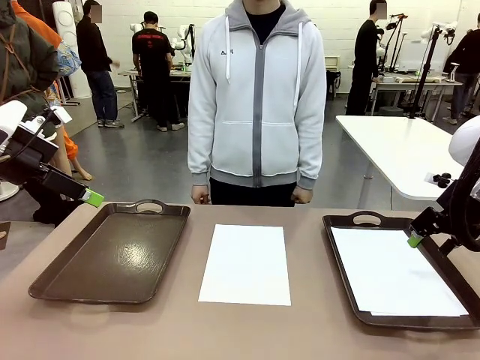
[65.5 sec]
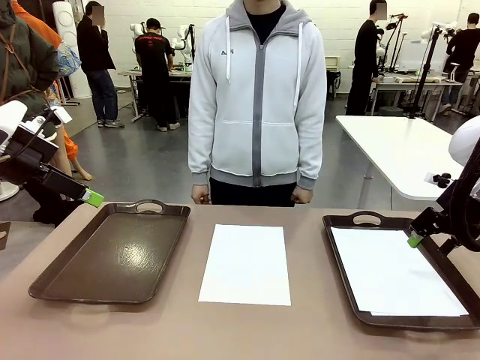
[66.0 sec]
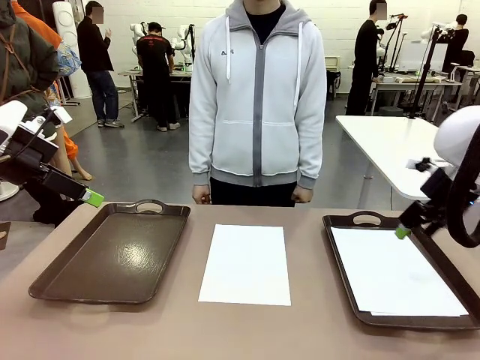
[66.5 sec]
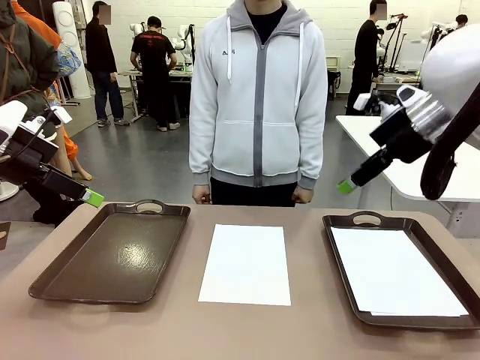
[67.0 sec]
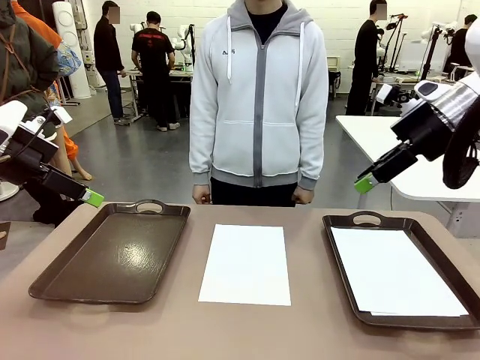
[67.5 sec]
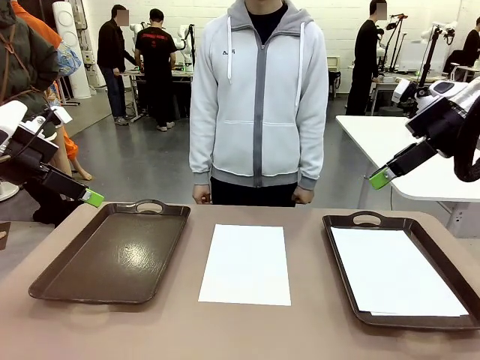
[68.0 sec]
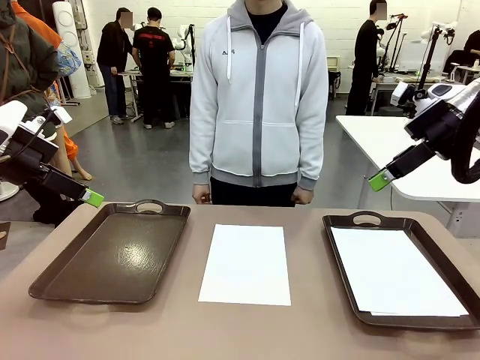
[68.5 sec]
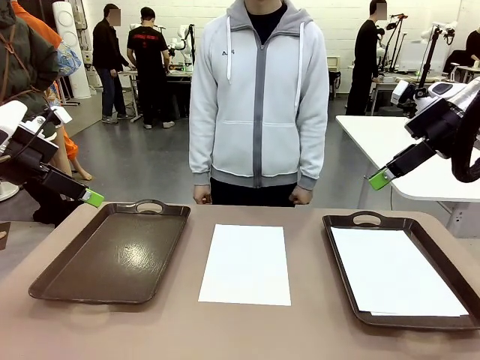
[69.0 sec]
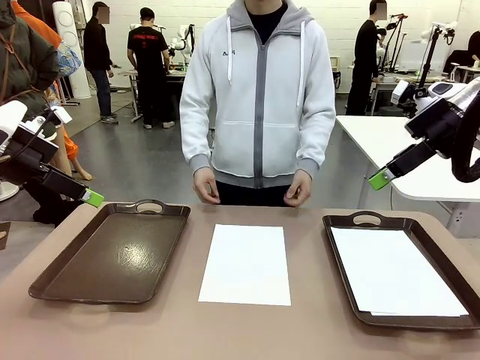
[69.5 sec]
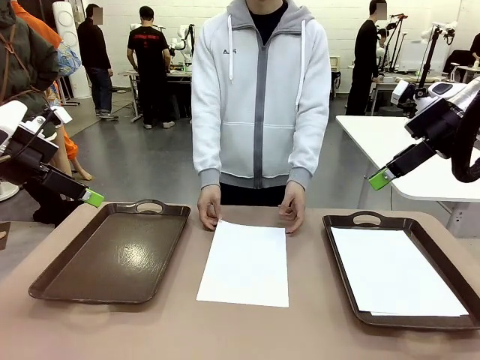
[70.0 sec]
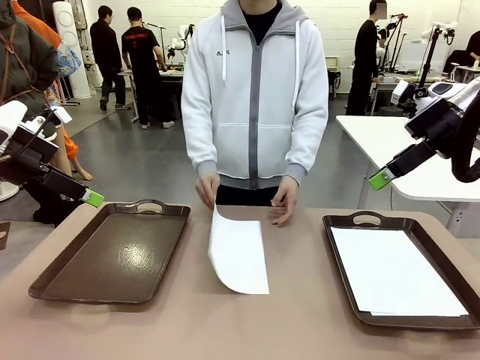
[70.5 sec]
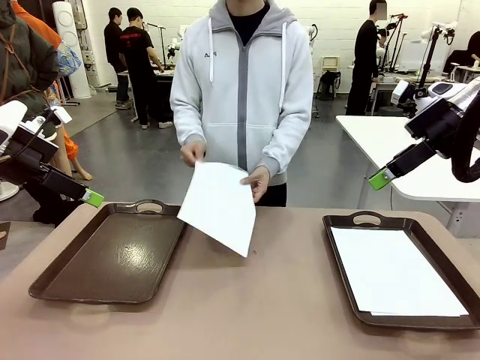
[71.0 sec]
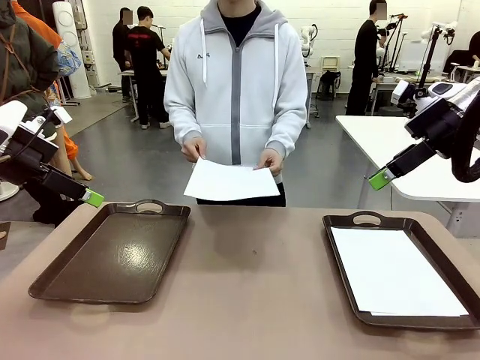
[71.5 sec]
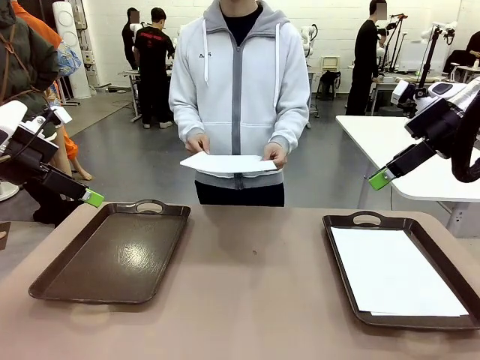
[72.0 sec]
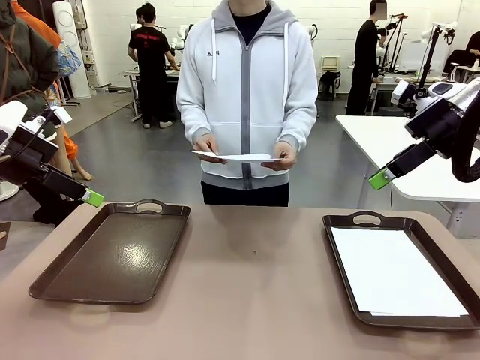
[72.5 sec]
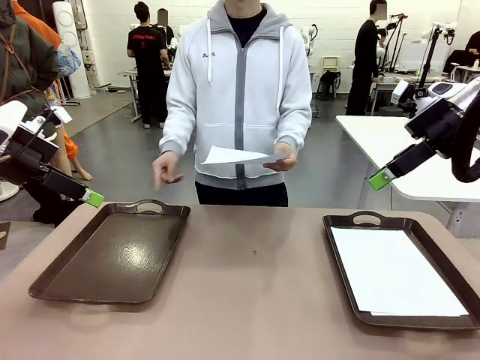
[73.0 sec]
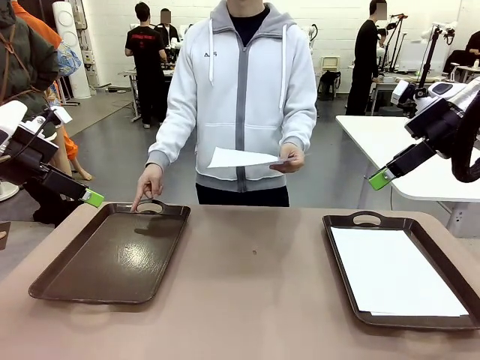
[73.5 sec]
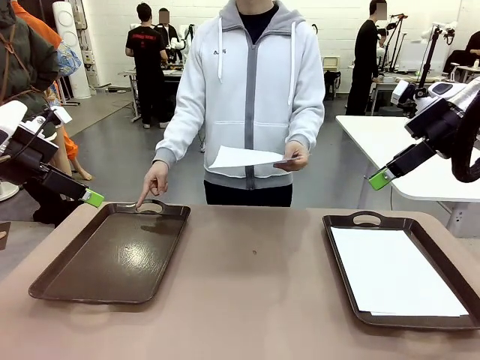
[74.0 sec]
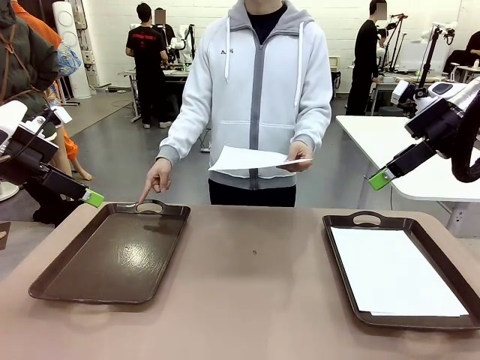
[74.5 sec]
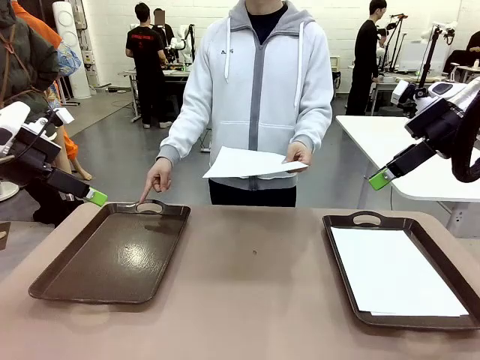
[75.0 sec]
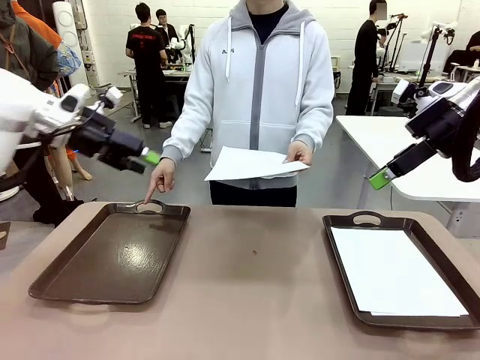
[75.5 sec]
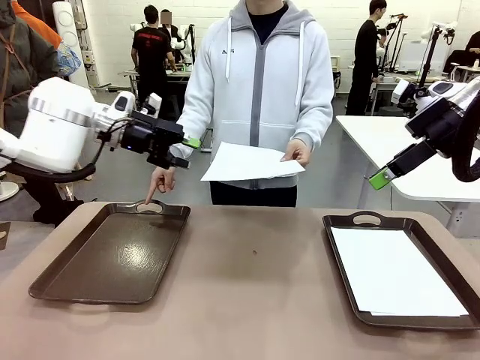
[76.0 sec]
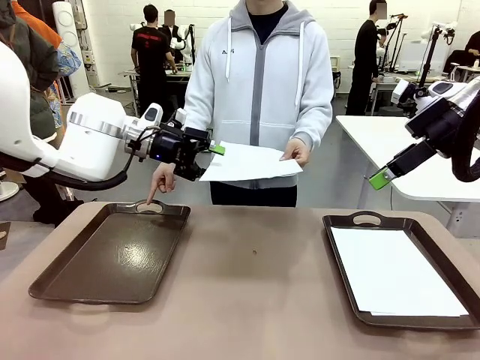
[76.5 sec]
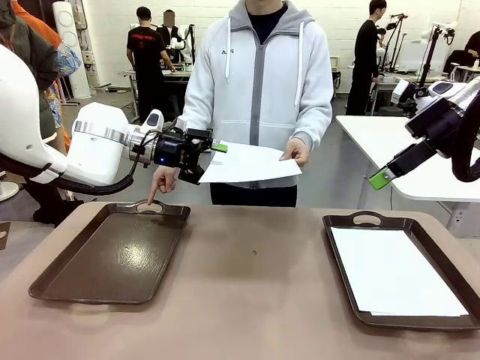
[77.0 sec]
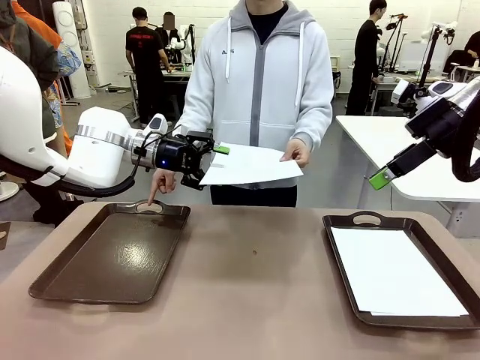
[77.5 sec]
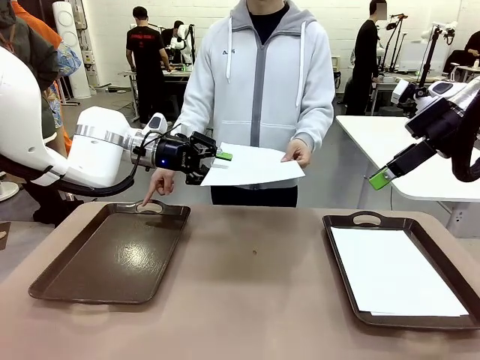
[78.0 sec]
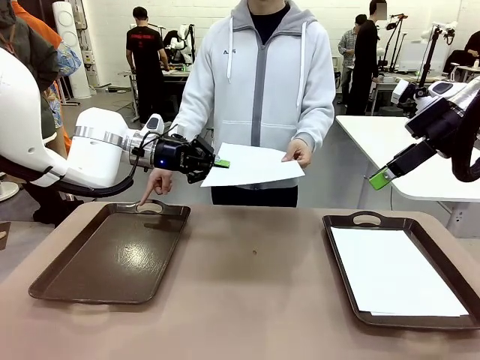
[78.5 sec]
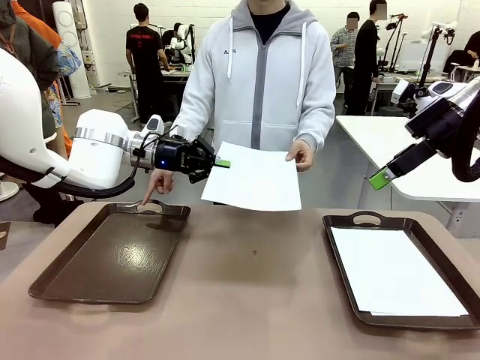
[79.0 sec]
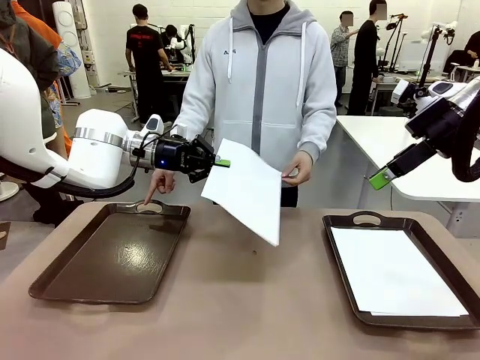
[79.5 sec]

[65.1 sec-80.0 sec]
Task: Sort the A4 documents.
Robot: Receive the A4 Paper.
Person: Point the randomly selected tray with the other hand.

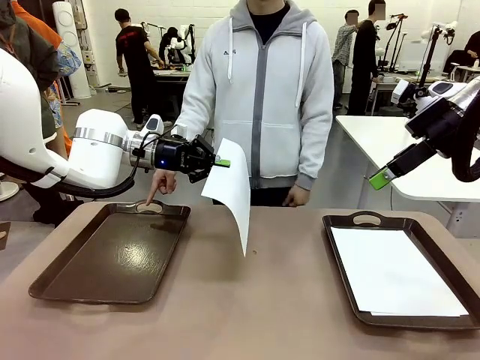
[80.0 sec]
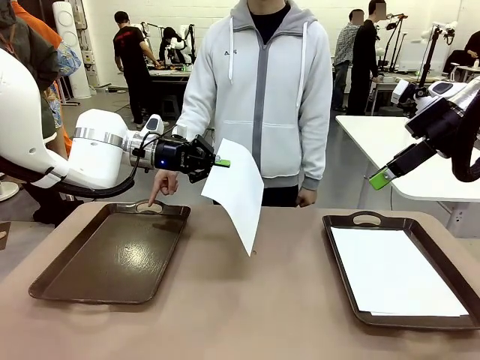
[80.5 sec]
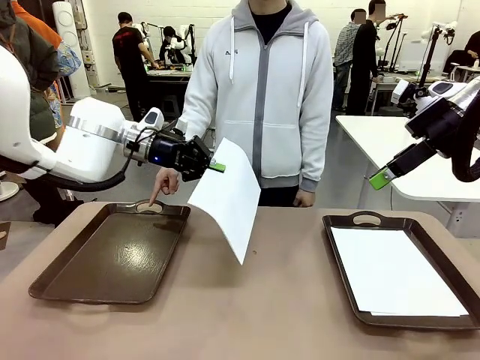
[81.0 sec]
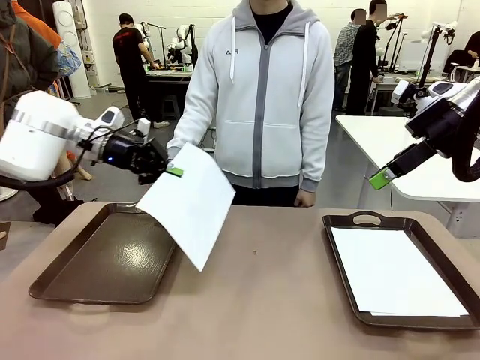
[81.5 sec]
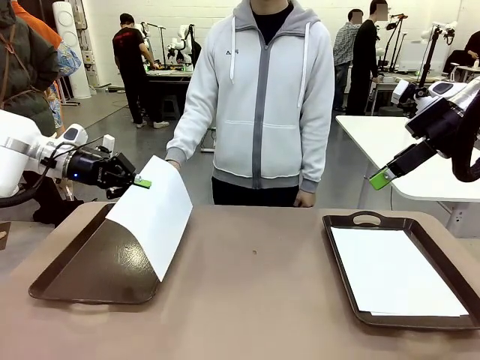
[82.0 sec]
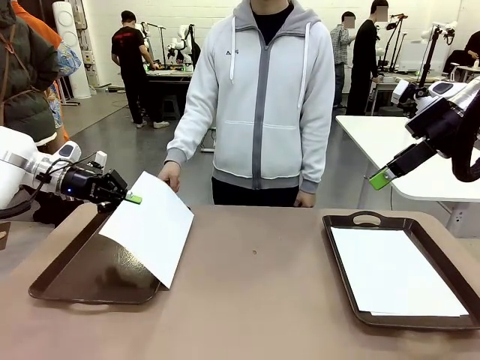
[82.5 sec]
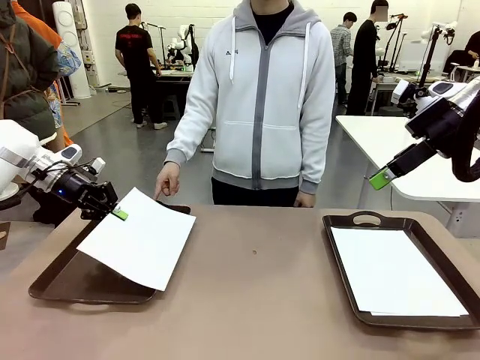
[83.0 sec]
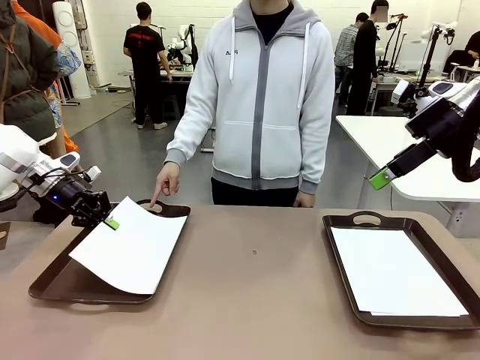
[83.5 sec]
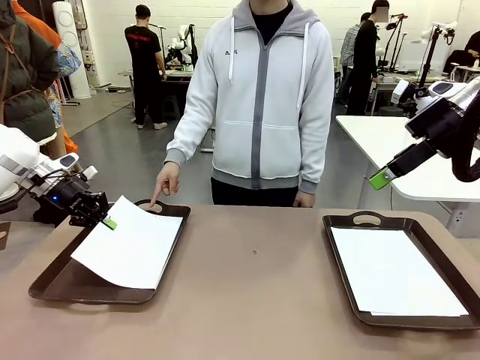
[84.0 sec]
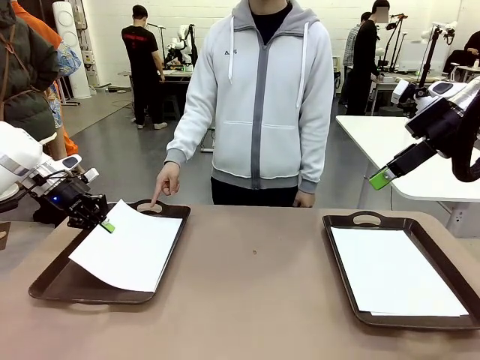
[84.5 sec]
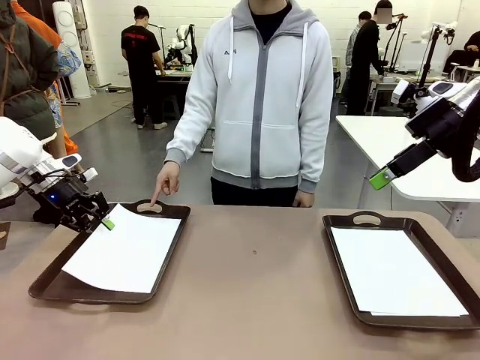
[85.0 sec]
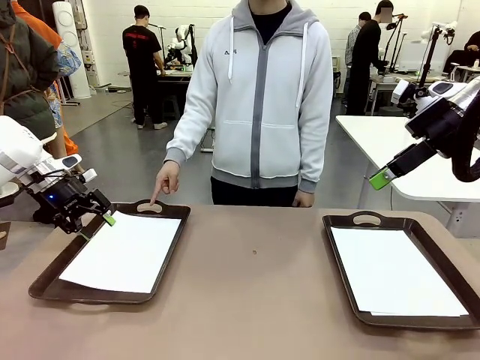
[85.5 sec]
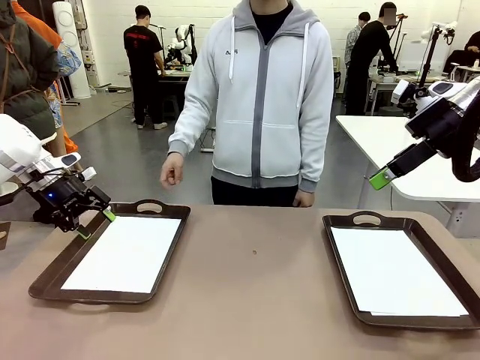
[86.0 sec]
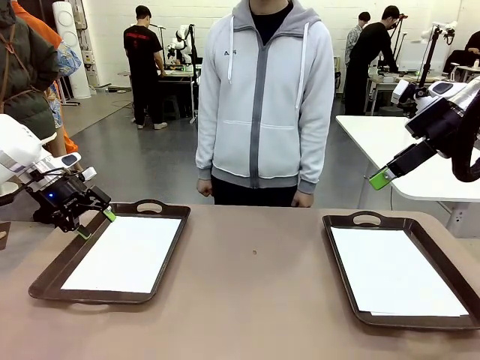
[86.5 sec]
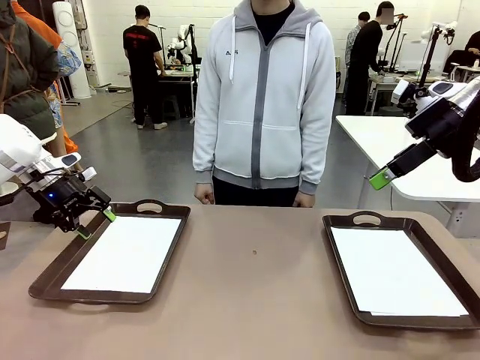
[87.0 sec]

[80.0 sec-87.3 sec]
Robot: Place the A4 Paper in the designated Handle tray.

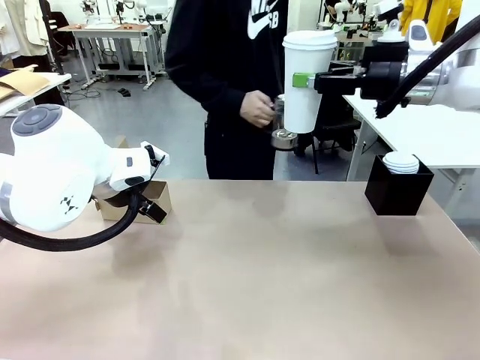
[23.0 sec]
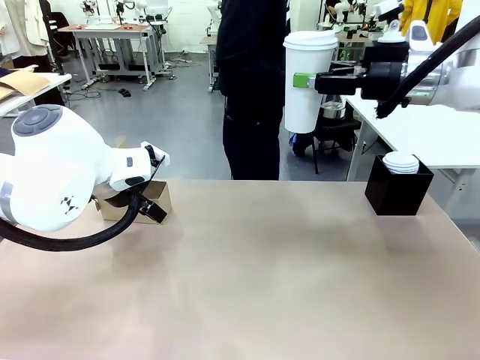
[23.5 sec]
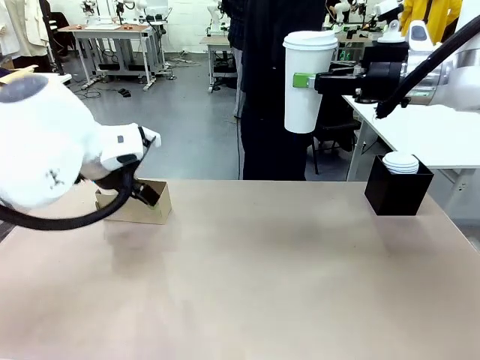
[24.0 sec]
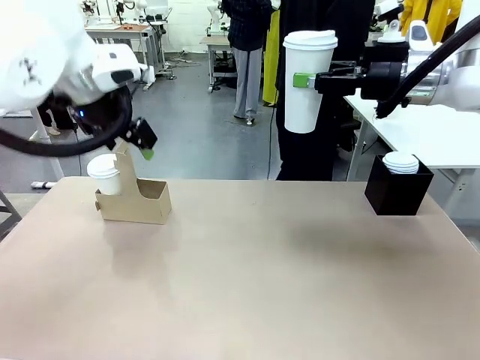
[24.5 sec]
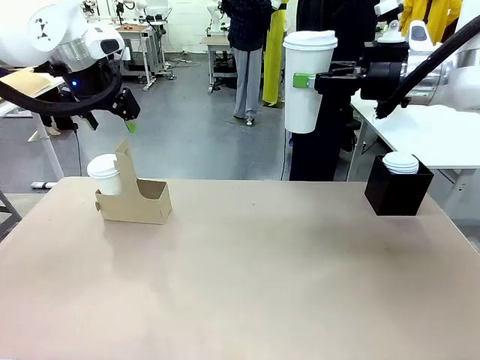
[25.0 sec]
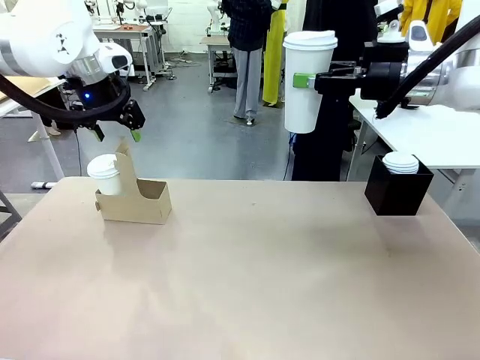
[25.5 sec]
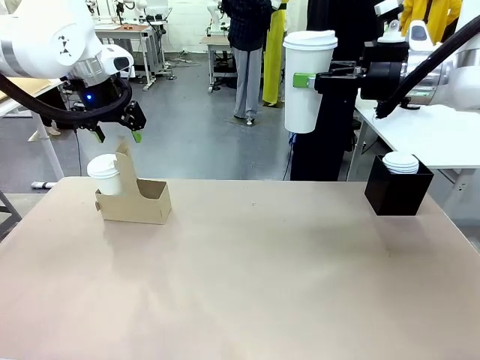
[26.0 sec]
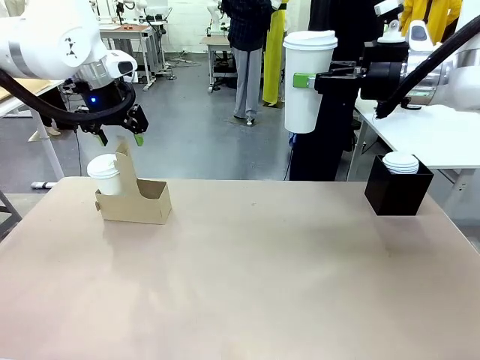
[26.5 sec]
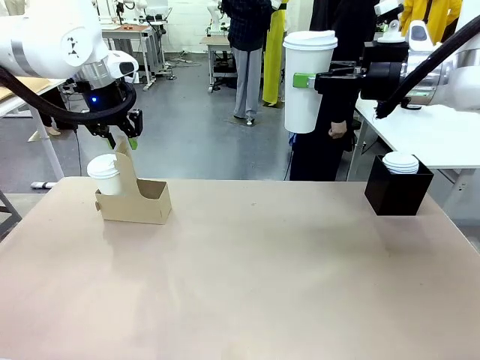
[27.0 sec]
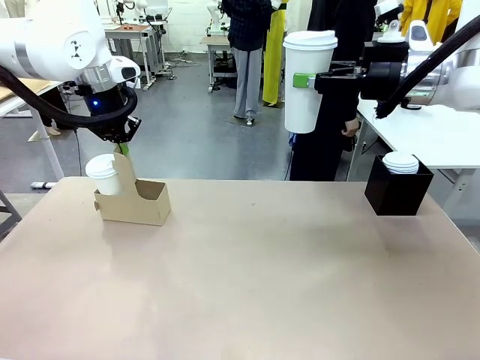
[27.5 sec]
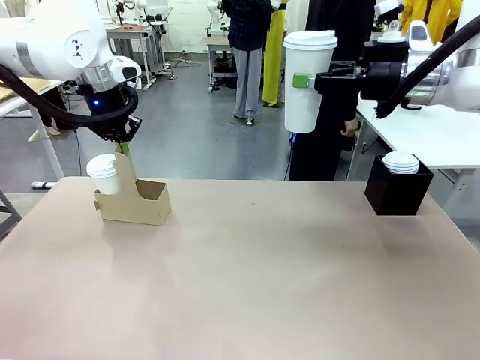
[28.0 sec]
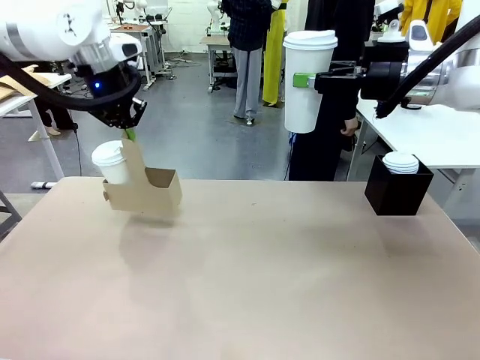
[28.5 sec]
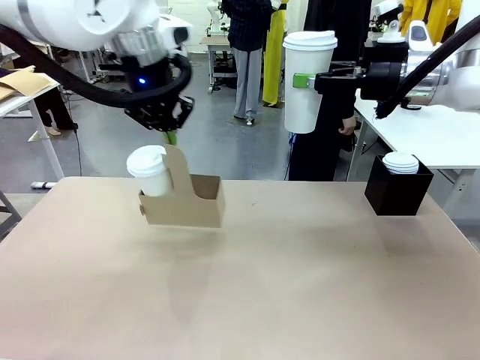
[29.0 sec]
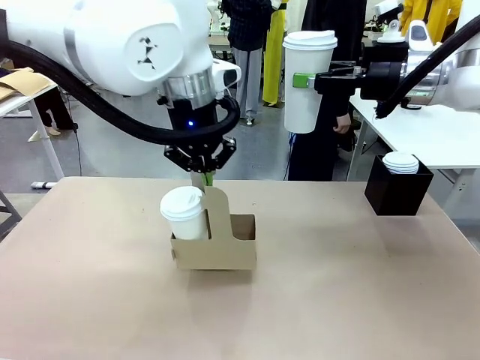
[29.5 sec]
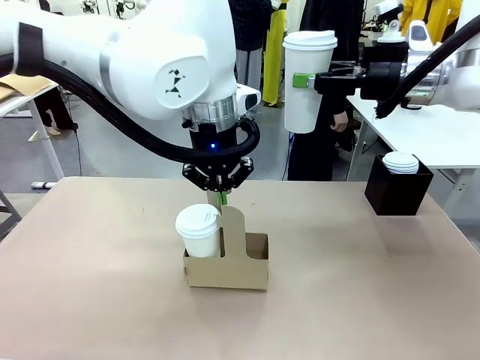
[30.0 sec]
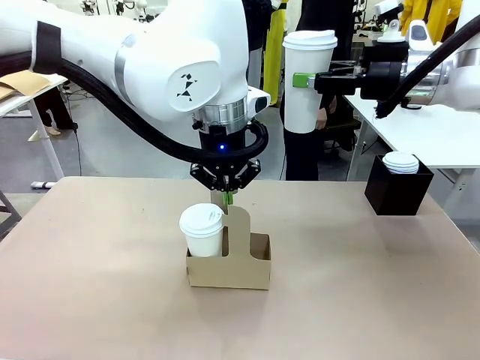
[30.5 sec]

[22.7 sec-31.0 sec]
Task: Pour a drink into a cup and package it in a carrier.
Robot: Position the Cup Carrier in the center of the table.
Person: Pick up the Filter Brewing and place on the middle of Human table, and return to the Robot table.
